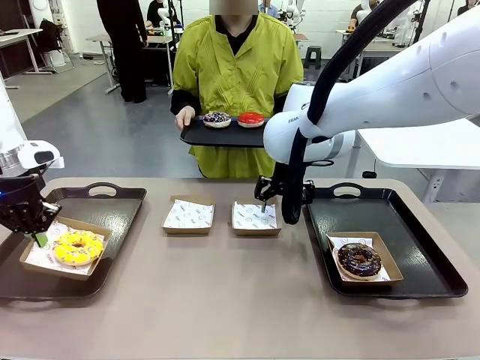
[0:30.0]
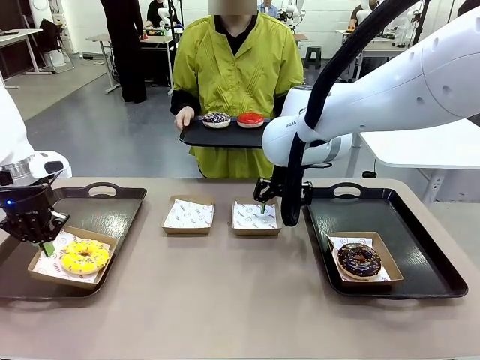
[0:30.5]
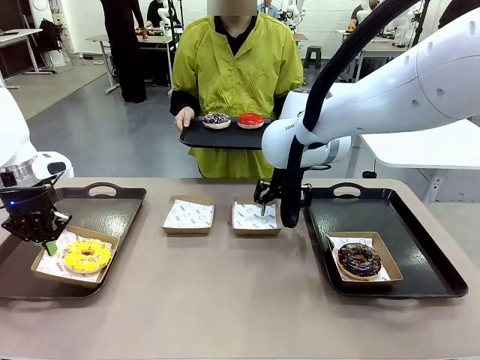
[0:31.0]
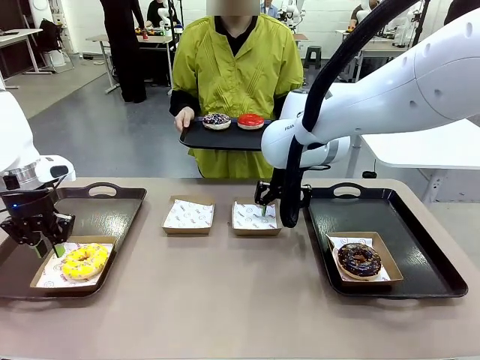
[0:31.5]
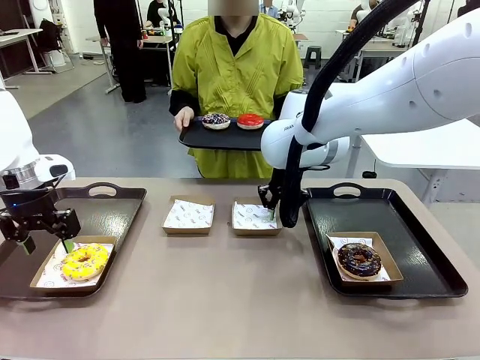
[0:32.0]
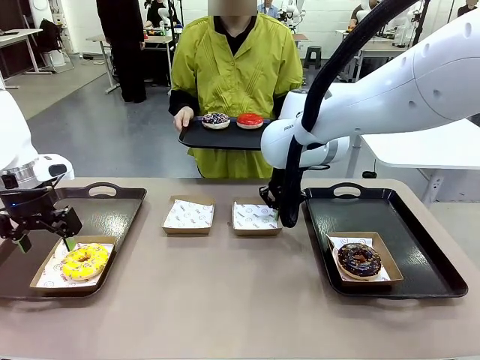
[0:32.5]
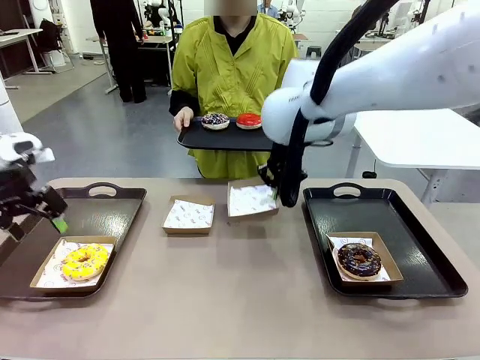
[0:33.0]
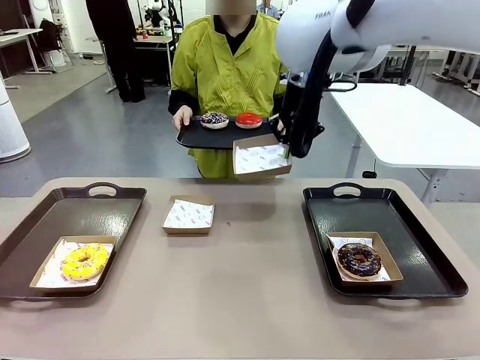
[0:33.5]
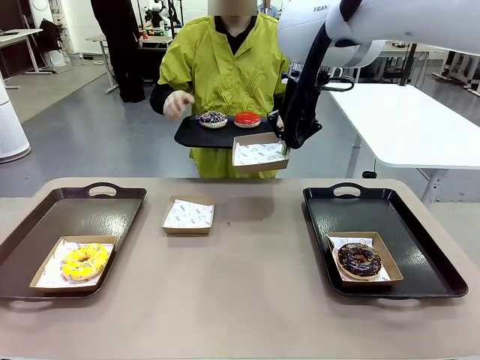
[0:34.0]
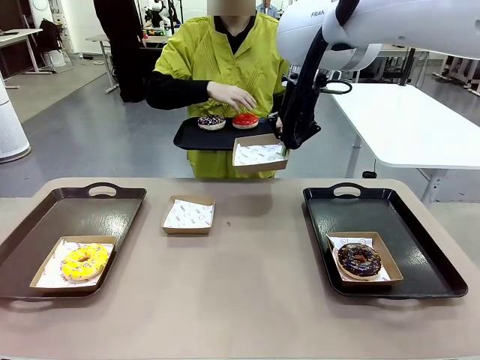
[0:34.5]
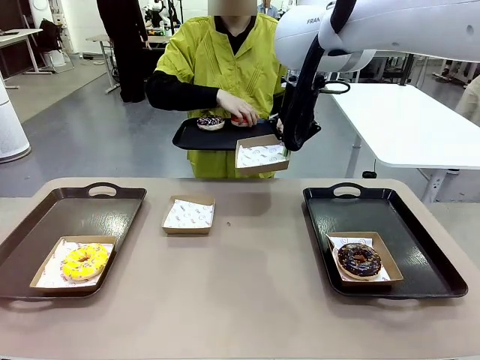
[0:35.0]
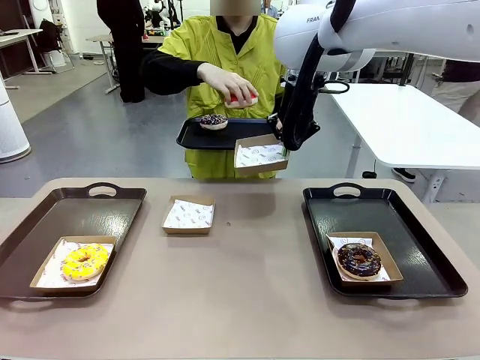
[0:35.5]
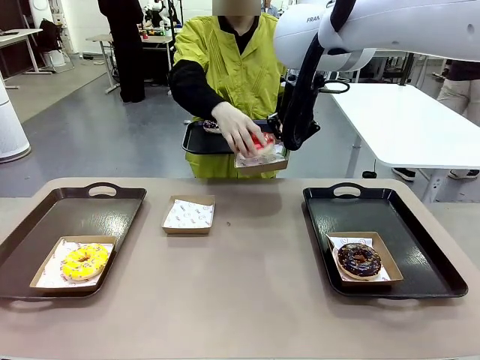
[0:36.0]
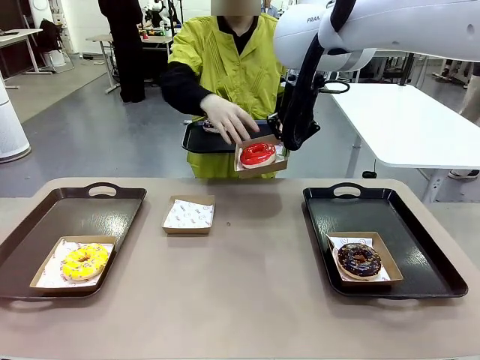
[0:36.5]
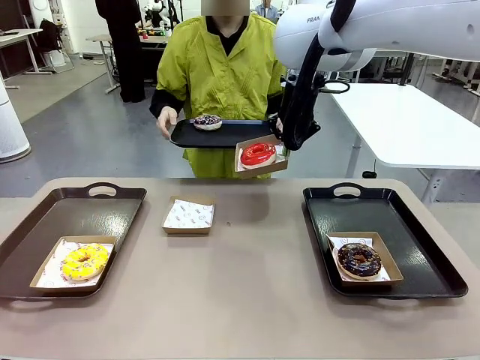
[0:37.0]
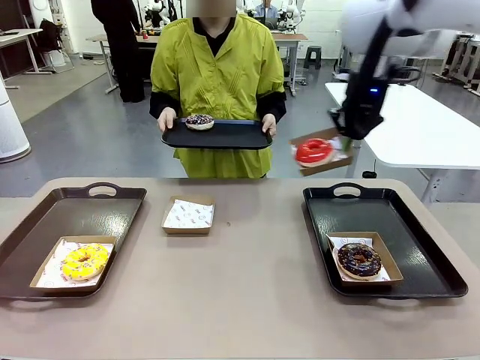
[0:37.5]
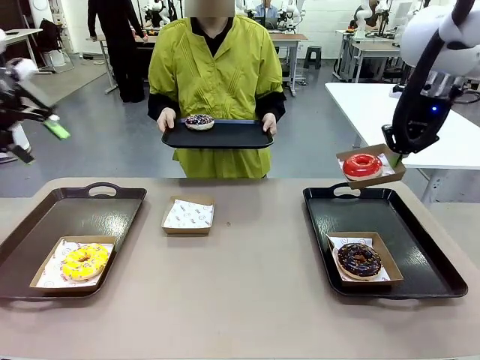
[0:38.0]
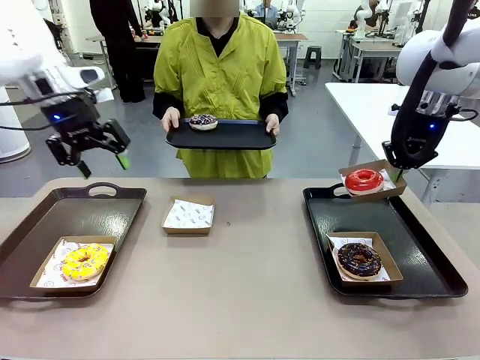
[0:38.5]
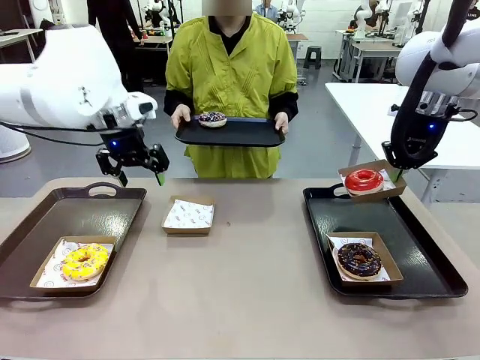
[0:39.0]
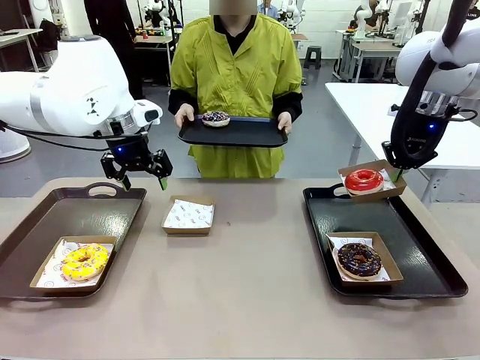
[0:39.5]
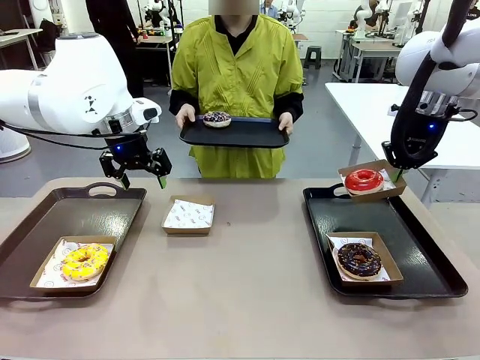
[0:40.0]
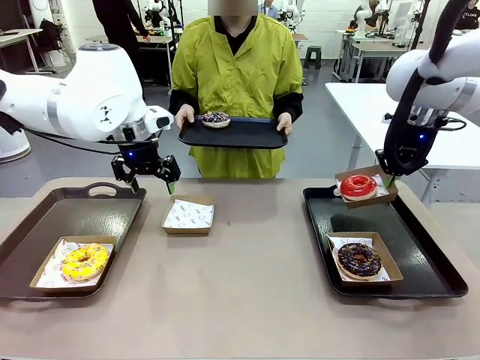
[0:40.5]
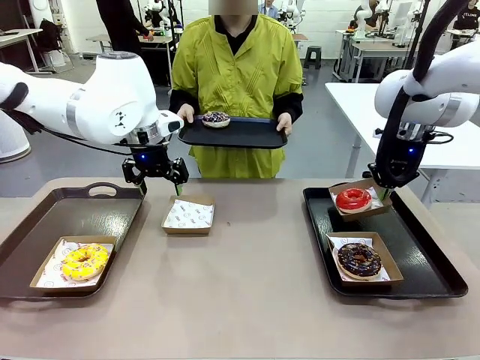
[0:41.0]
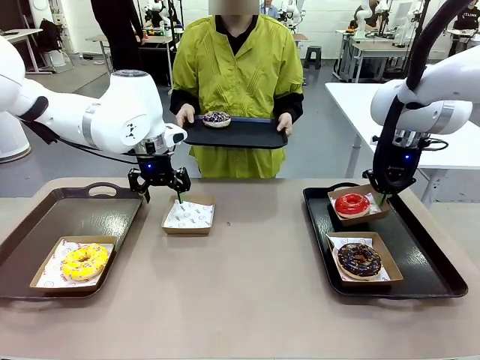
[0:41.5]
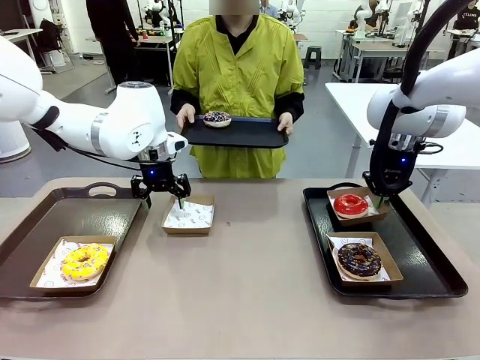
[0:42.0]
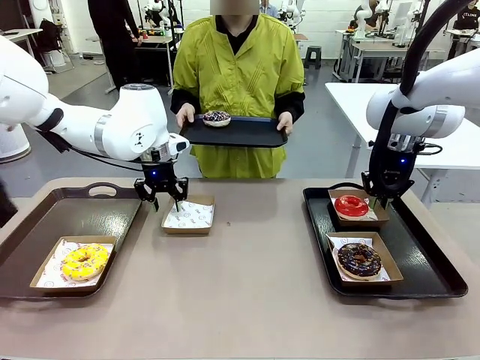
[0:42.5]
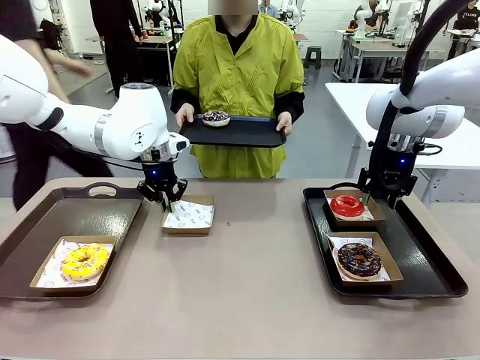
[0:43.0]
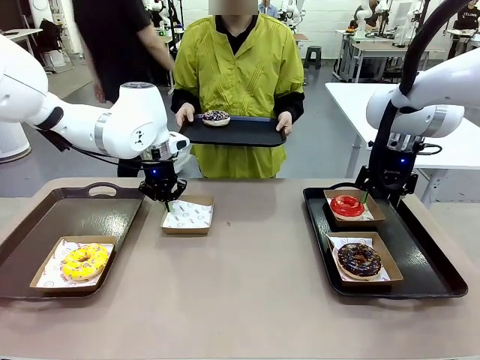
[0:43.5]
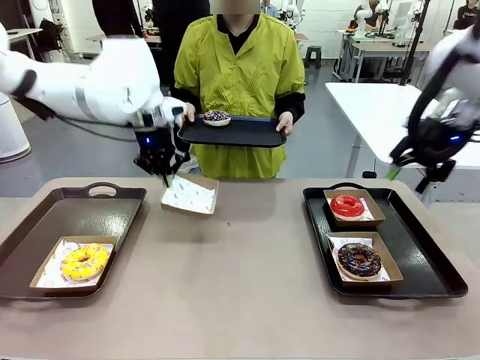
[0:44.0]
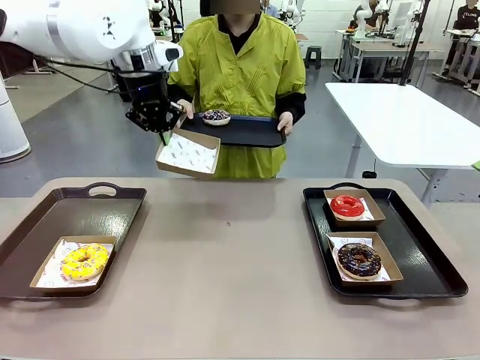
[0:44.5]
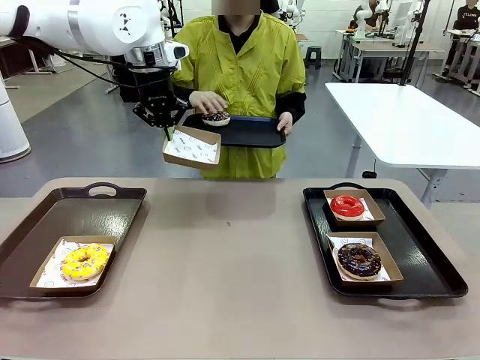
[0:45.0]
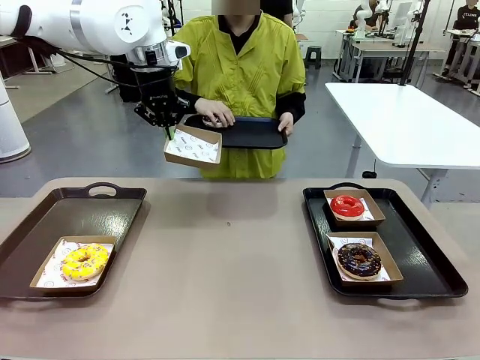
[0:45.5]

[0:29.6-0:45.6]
Task: Individually package the donuts and arrange them on the tray.
Robot: Place the picked Paper togo box on the Handle tray while simultaneously picking up another Paper togo box from the table with the other hand.

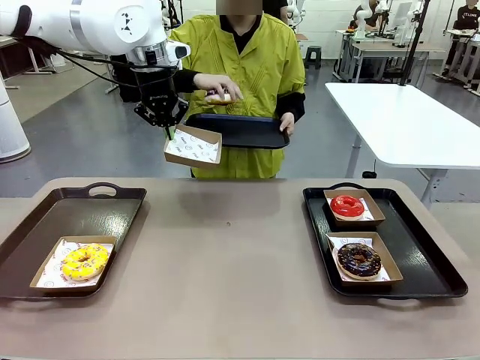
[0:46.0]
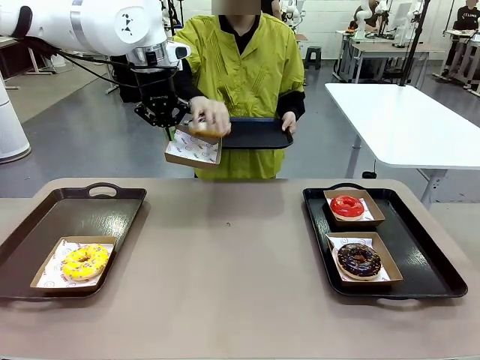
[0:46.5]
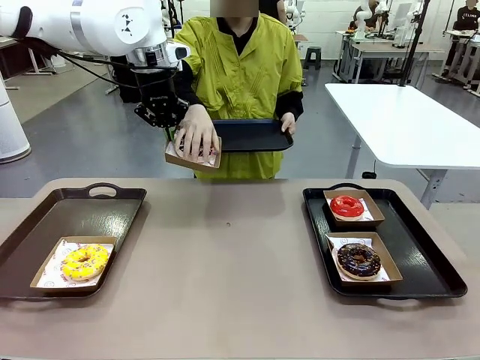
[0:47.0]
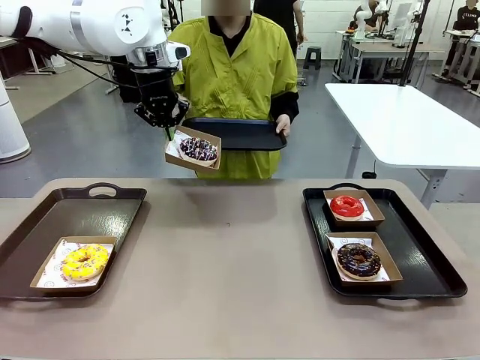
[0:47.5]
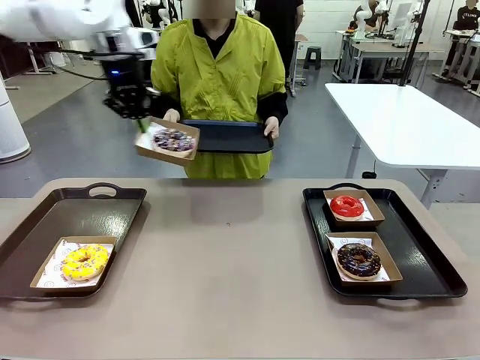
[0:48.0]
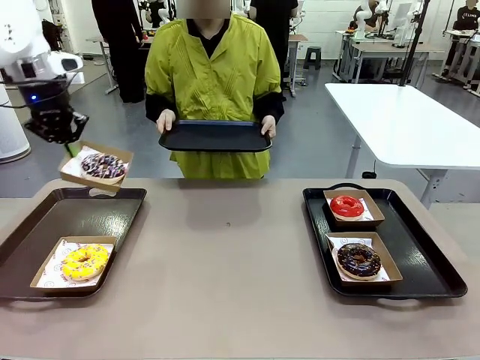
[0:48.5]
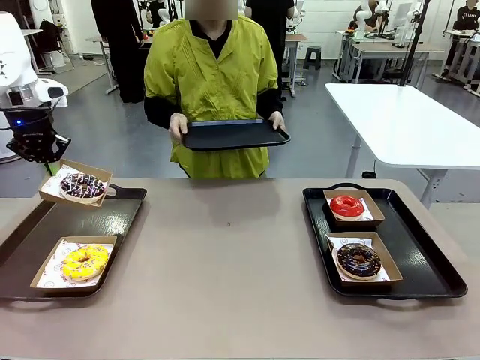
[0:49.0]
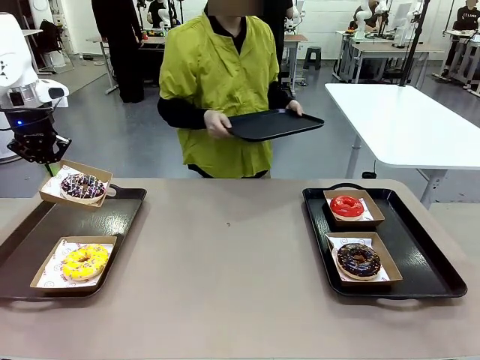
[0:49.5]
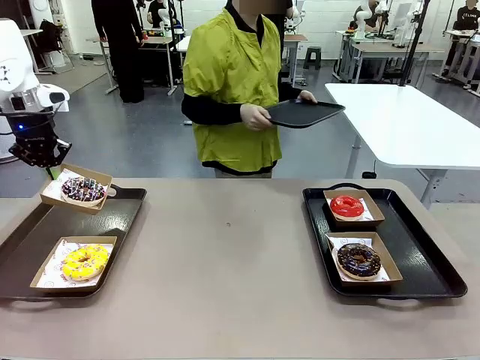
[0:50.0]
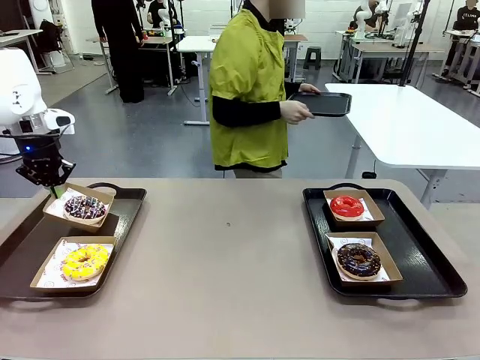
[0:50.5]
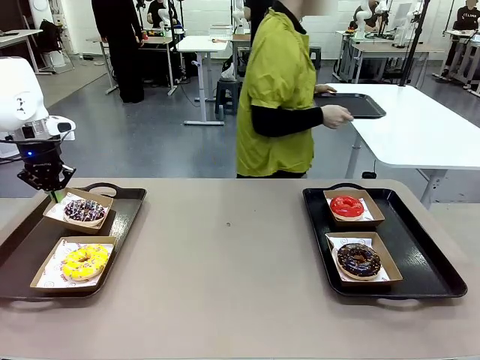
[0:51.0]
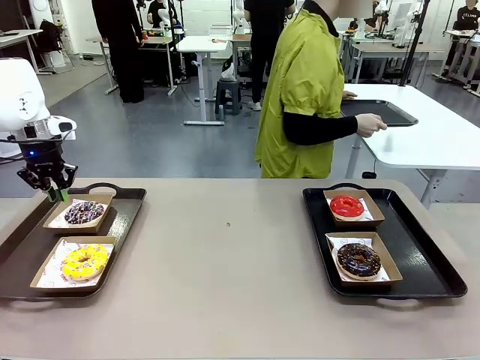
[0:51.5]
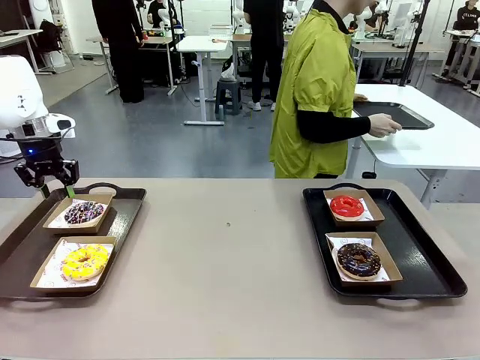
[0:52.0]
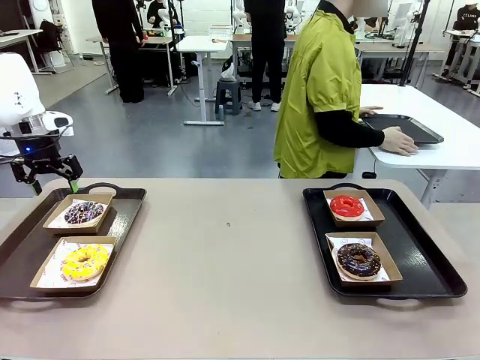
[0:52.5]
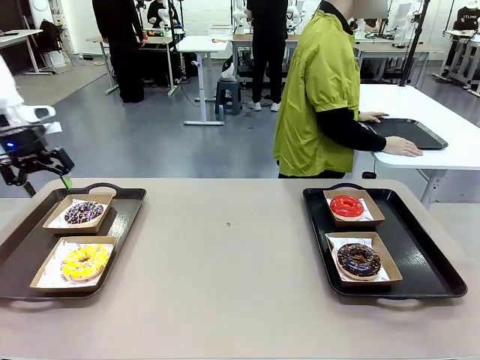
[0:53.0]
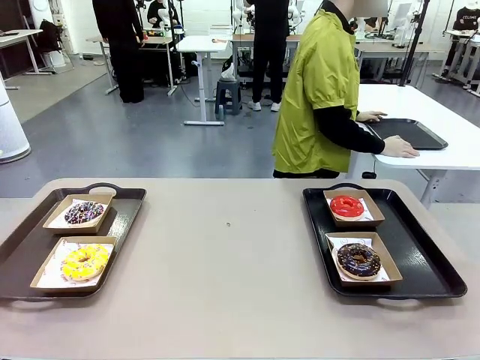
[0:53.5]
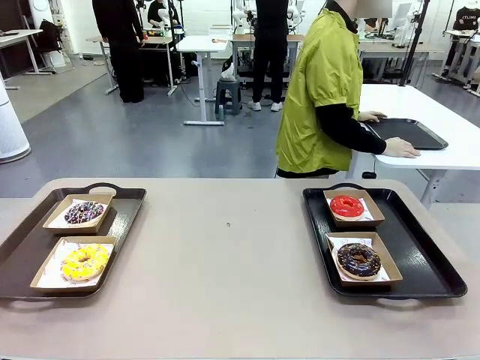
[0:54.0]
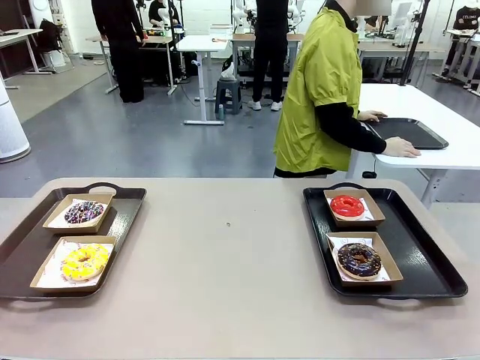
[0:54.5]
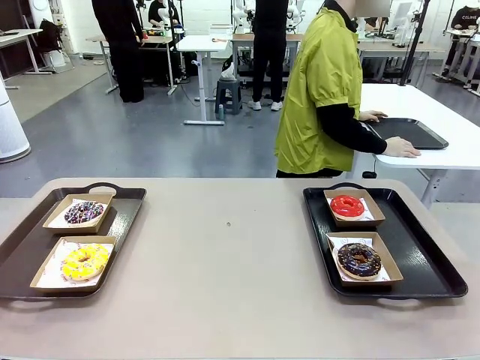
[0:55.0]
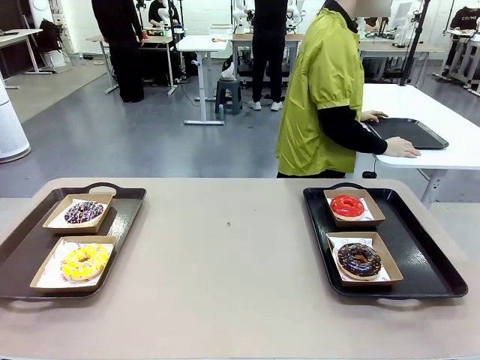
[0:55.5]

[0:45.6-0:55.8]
Robot: Place the picked Paper togo box on the Handle tray.
Person: Place the tray down in the middle of the human table.
